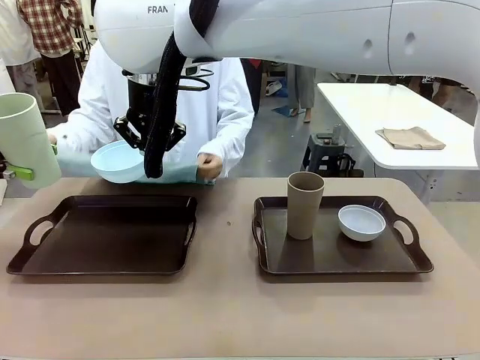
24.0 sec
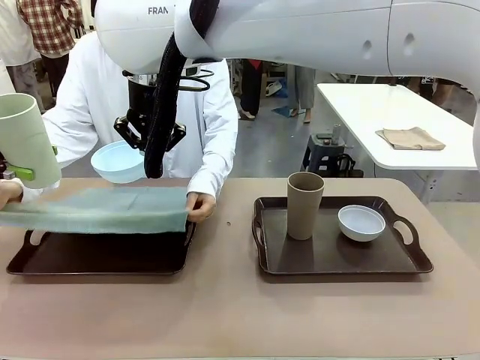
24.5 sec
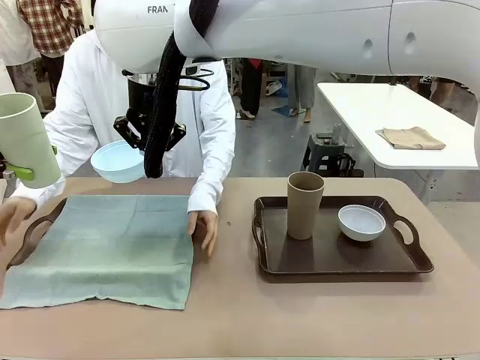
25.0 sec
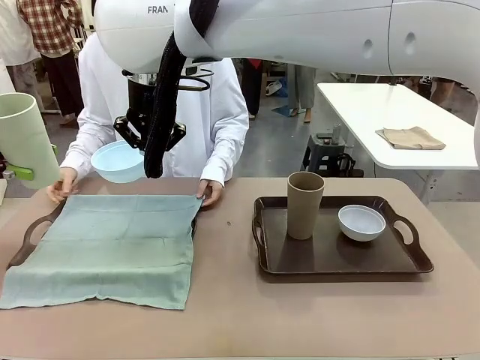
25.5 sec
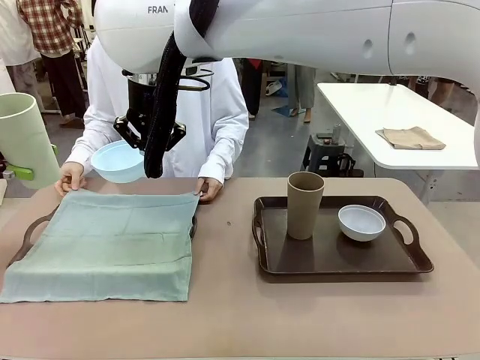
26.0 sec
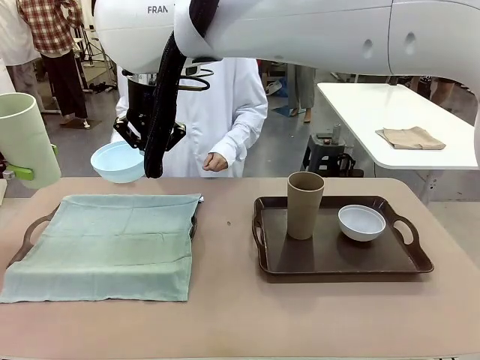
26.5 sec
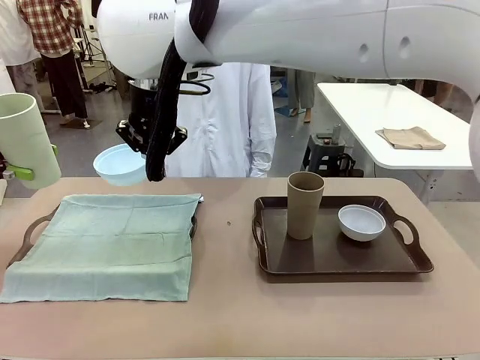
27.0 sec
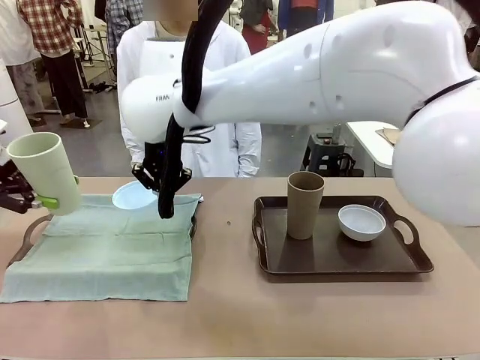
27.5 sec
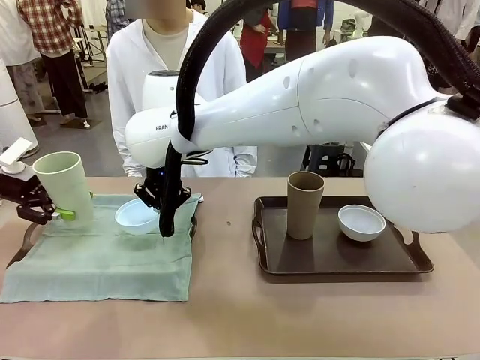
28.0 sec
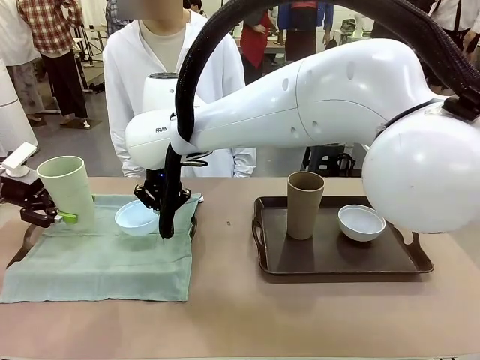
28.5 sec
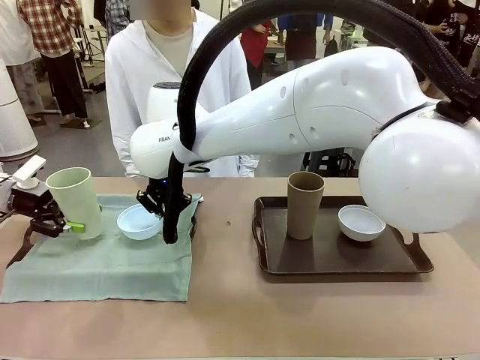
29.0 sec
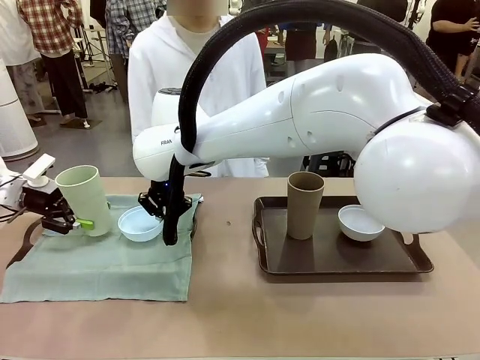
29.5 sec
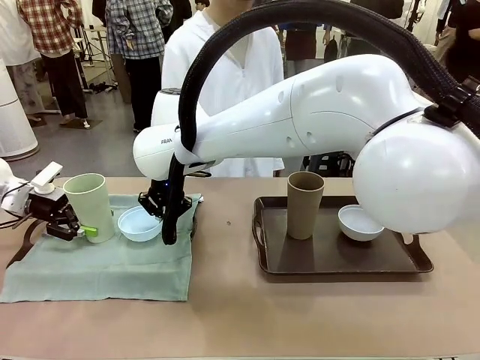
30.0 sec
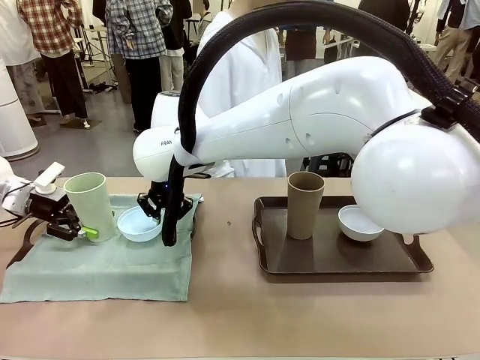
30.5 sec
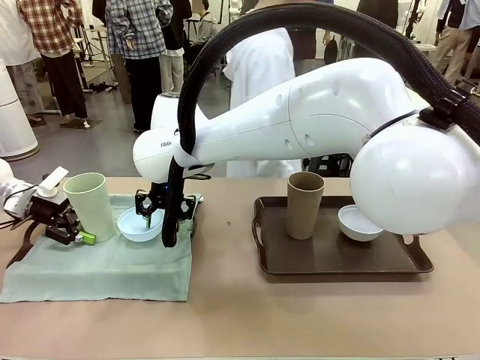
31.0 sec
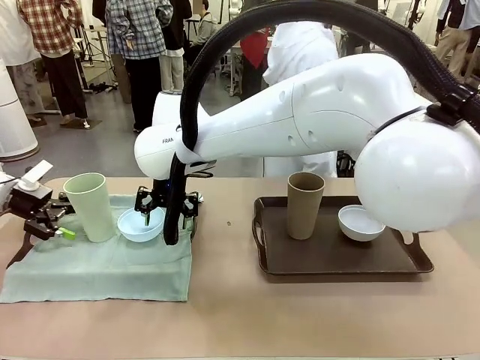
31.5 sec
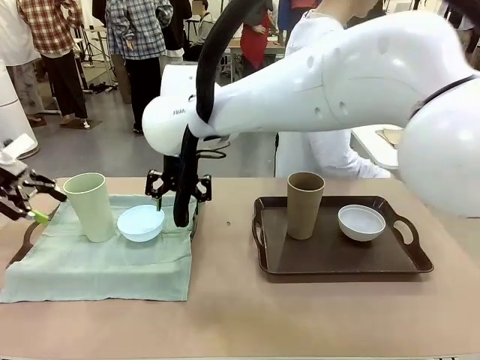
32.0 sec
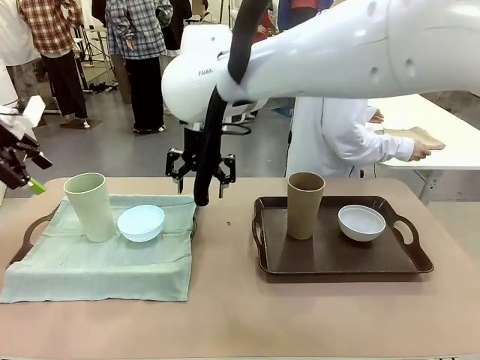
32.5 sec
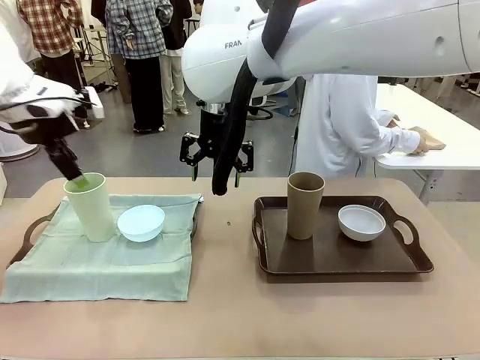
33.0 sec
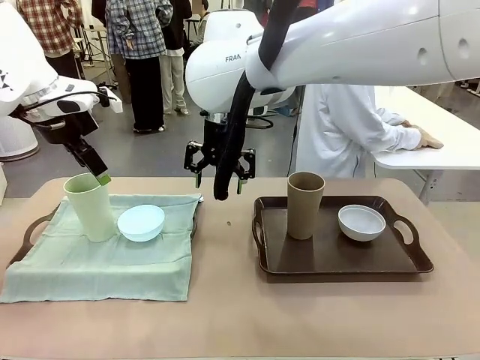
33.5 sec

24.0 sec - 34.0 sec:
Robot: Place the Picnic Bowl and Reusable plastic cup back onto the Handle tray in front of the human's position.
Person: The human returns to the human table to pick up another napkin and walks to the robot table to stand in front of the tray without a napkin.

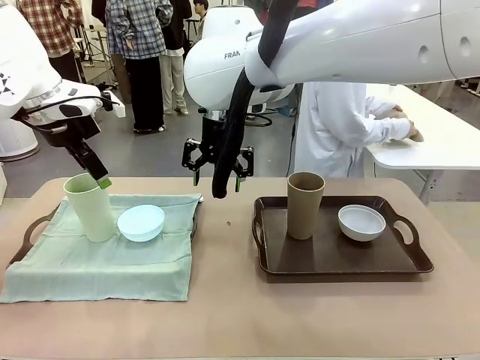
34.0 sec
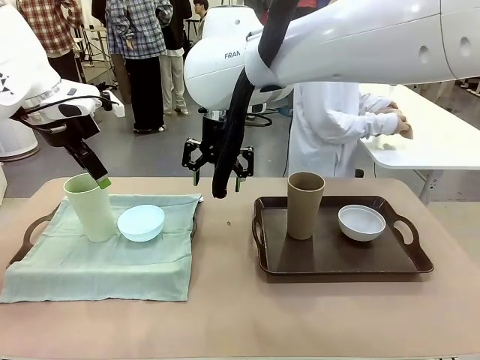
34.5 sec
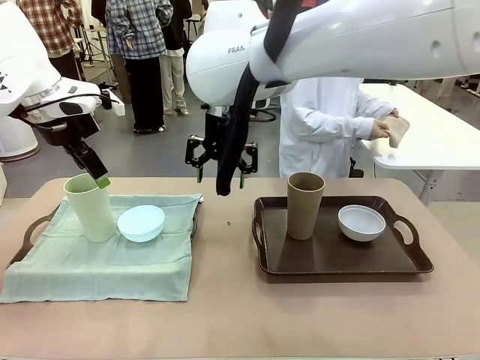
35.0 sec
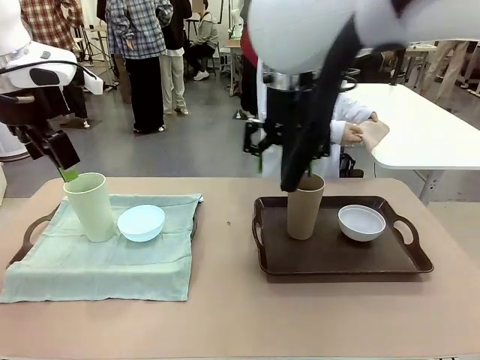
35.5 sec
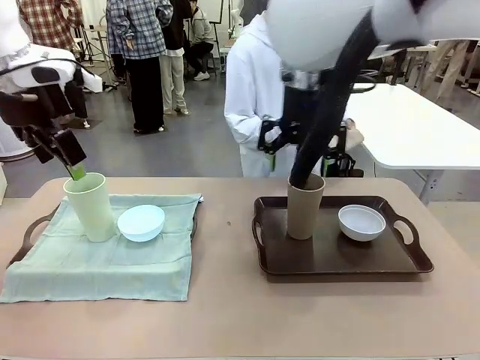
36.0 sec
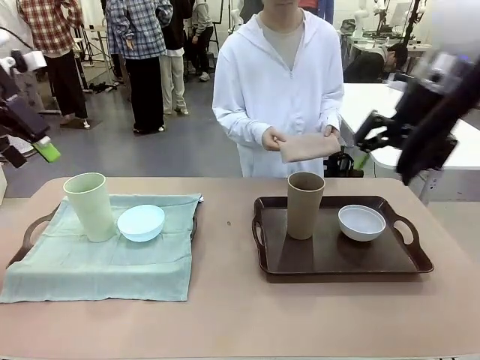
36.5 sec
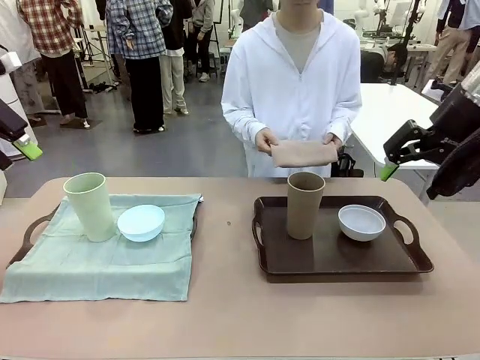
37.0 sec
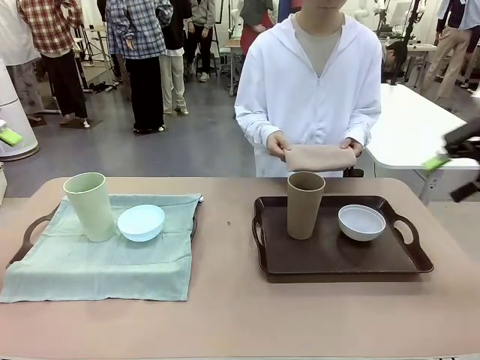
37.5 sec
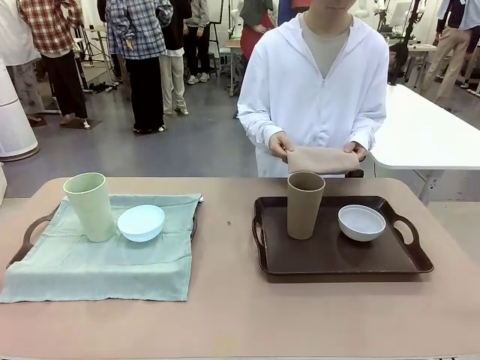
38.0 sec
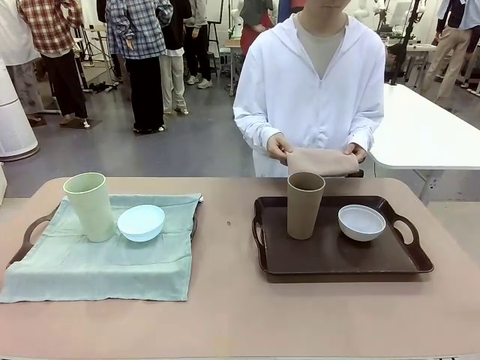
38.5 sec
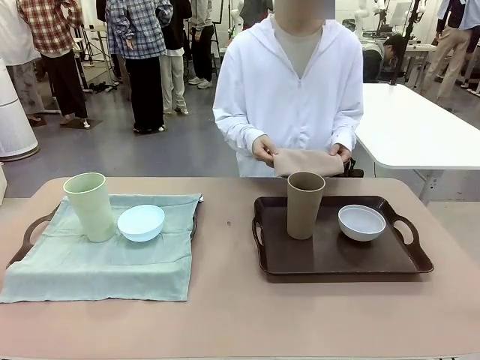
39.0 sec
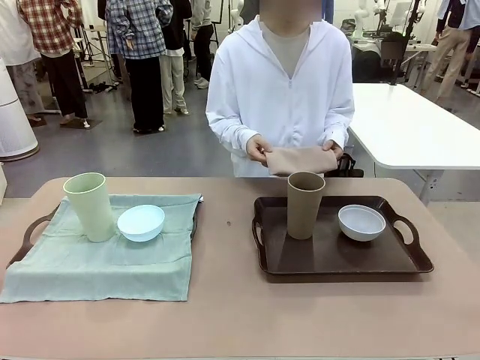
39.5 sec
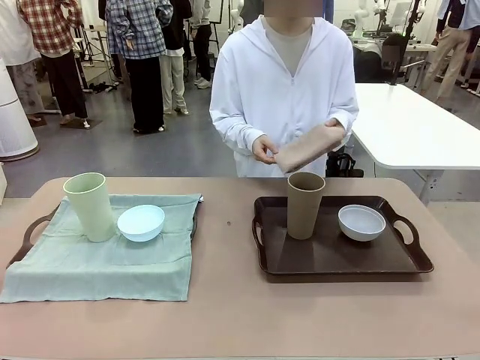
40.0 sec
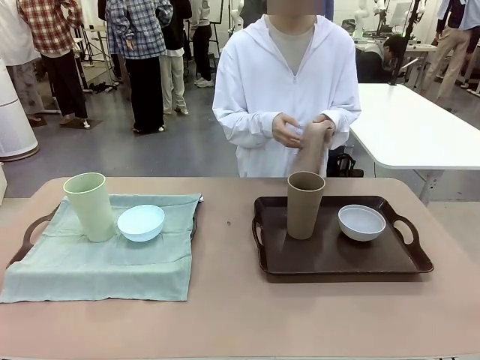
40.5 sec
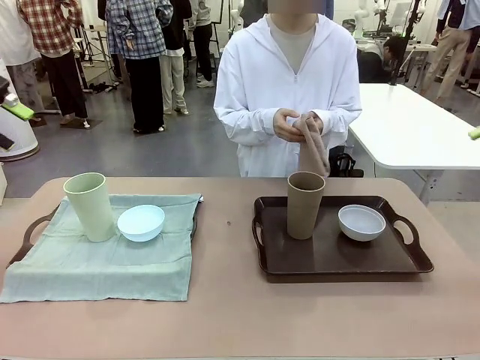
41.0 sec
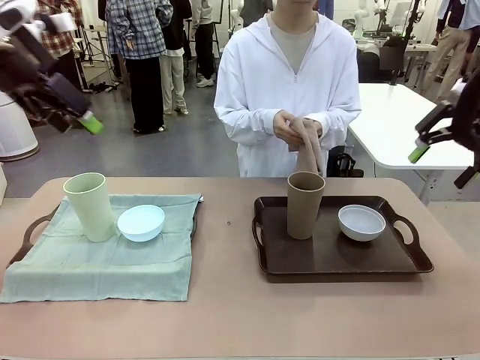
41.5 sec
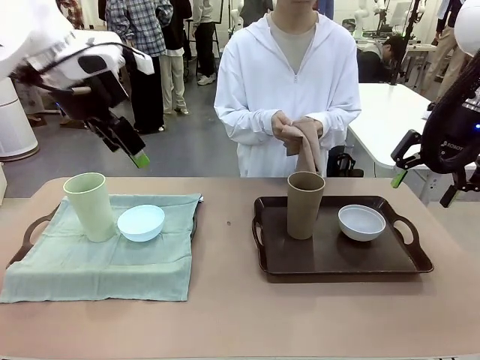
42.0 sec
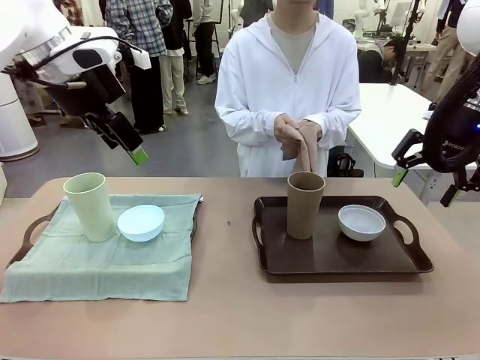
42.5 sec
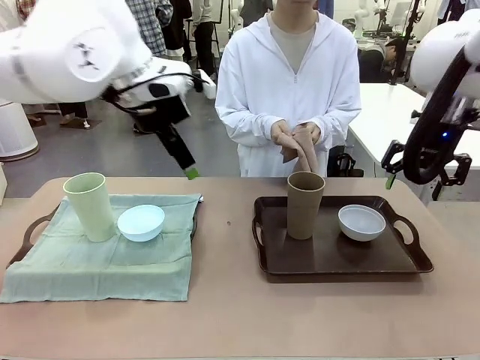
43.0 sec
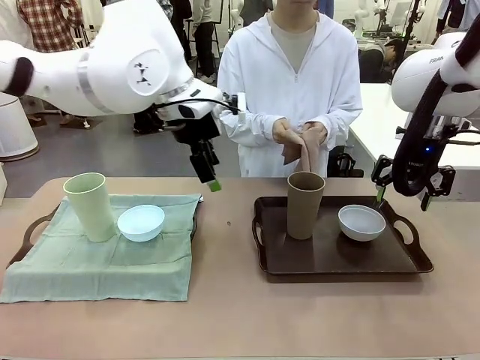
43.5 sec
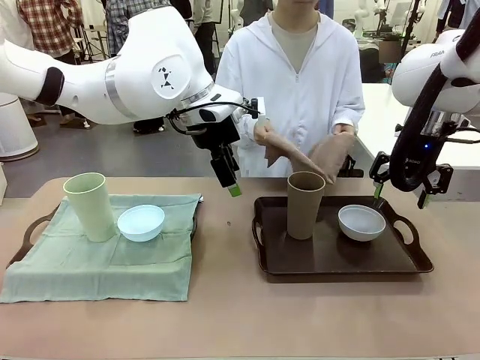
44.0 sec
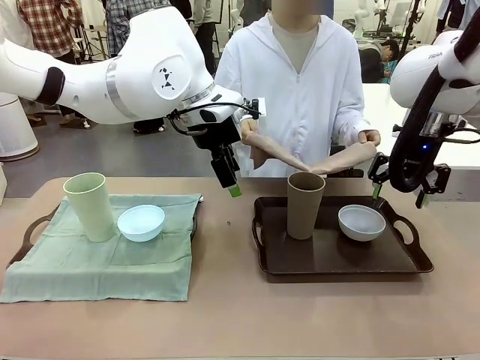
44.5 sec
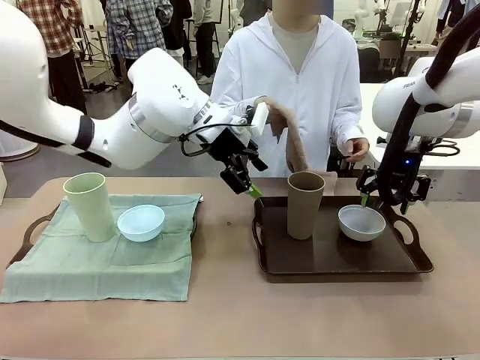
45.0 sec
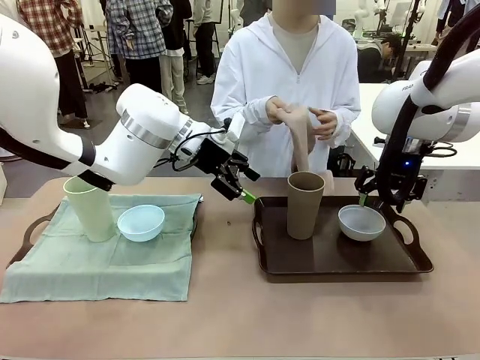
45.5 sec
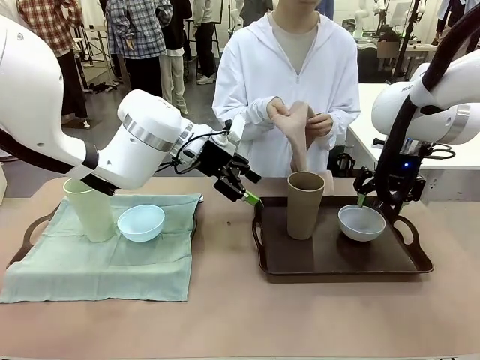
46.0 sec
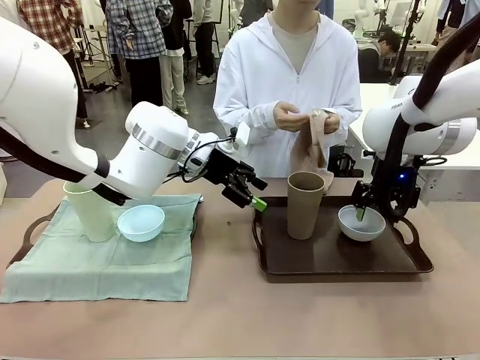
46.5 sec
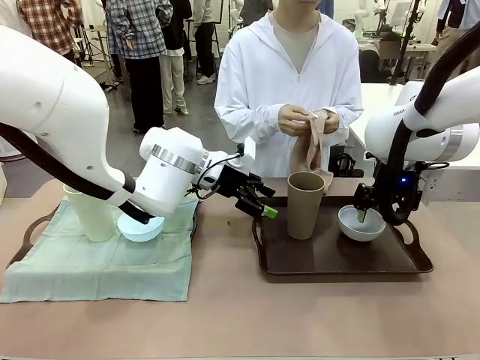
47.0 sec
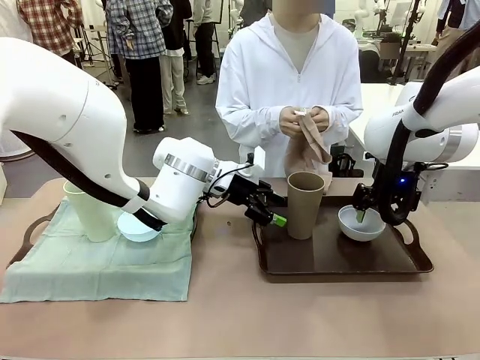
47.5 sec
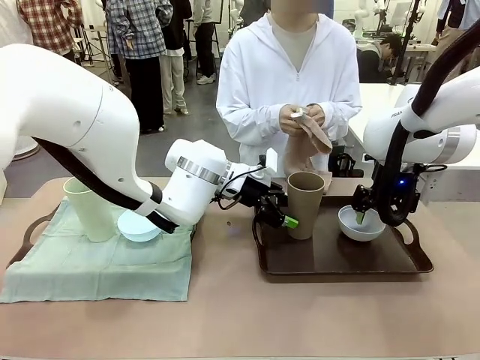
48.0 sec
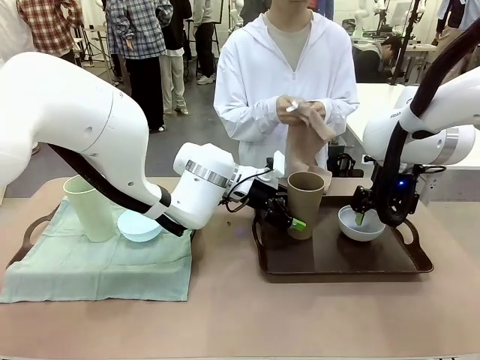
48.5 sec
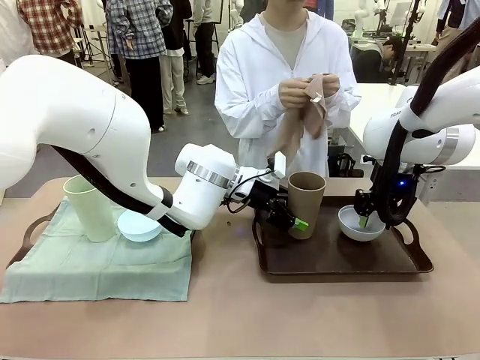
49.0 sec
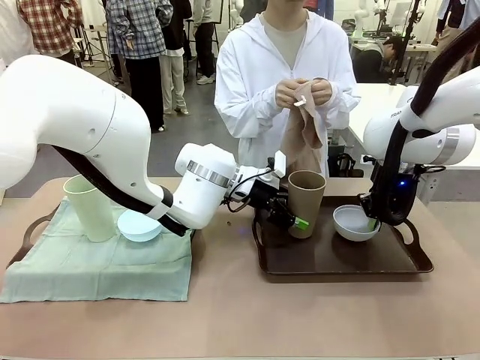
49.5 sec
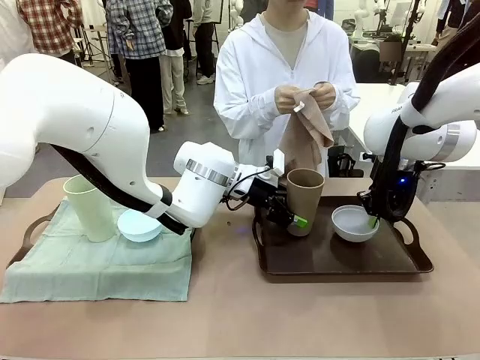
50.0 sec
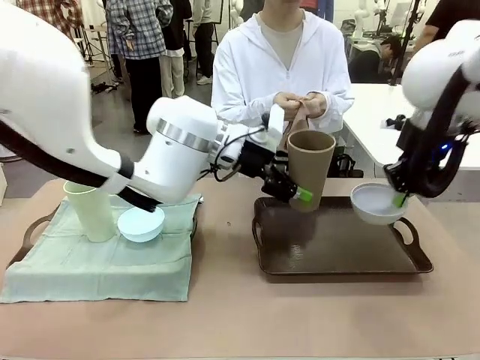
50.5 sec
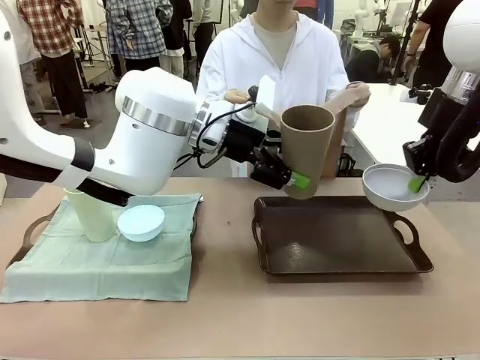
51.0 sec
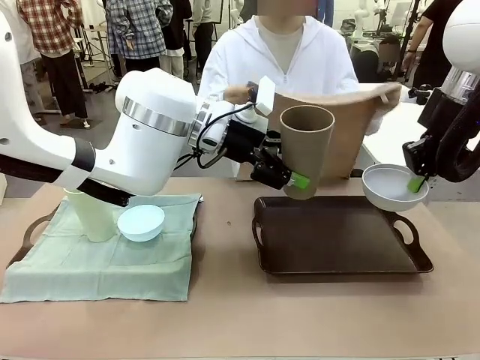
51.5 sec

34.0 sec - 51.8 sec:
Robot: Pick up the Picnic Bowl and Reusable plastic cup from the Handle tray in front of the human's position and hold them in the air.

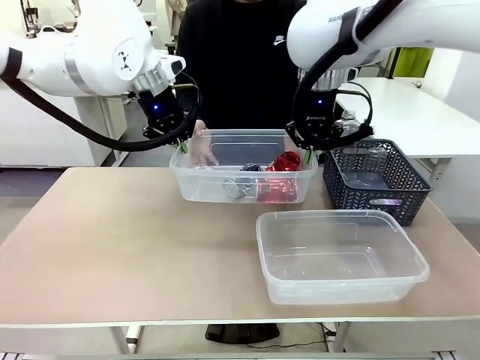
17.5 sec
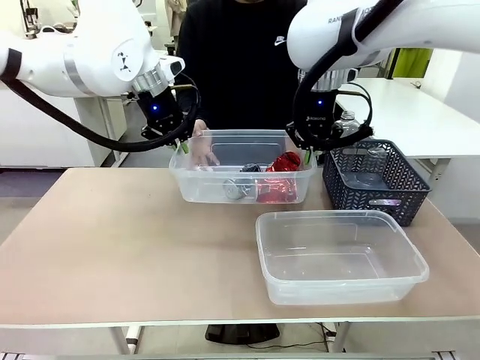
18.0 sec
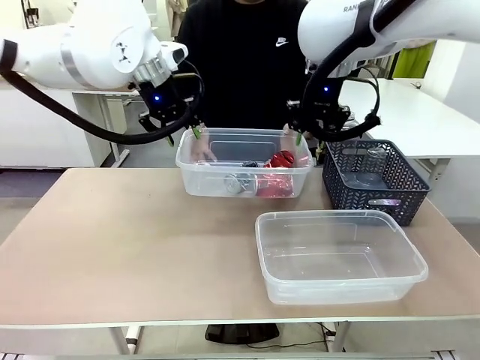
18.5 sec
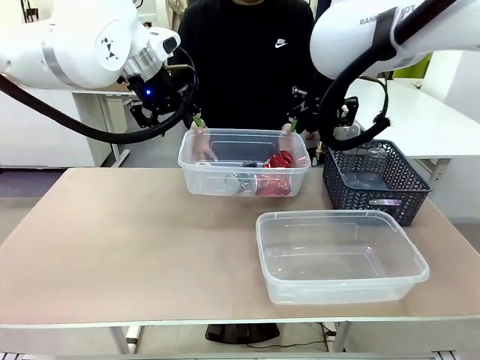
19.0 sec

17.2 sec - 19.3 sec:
Robot: Release the Organizing box you were holding.
